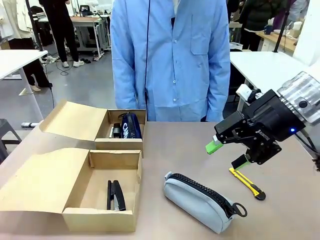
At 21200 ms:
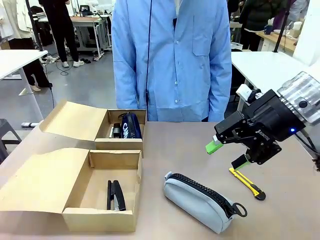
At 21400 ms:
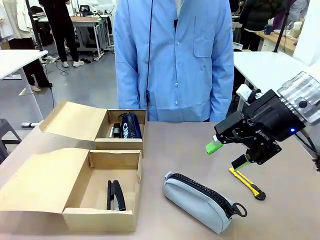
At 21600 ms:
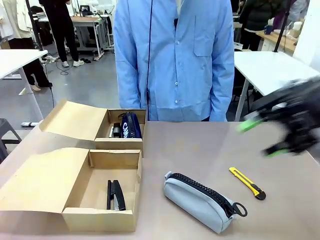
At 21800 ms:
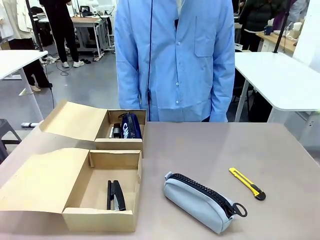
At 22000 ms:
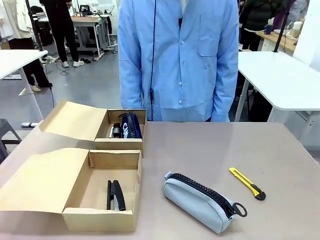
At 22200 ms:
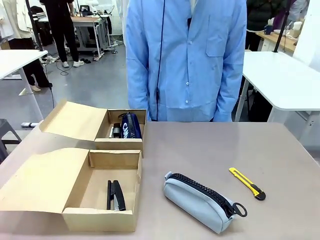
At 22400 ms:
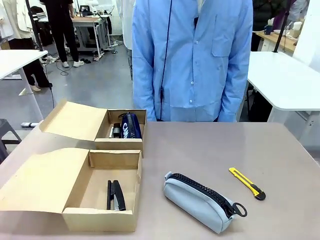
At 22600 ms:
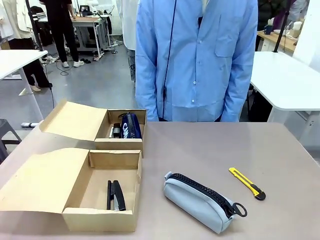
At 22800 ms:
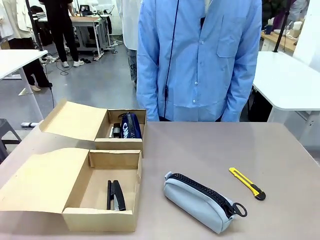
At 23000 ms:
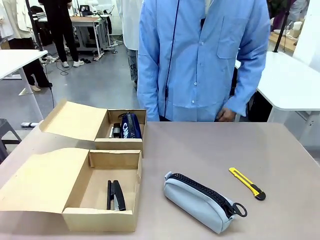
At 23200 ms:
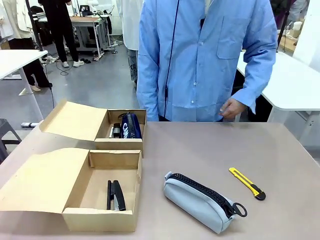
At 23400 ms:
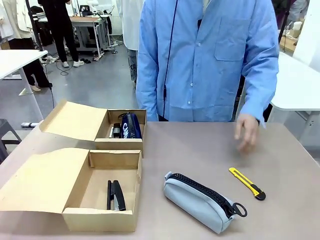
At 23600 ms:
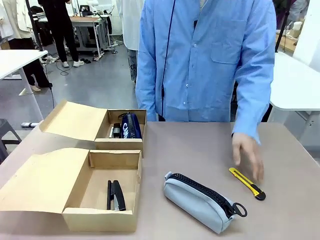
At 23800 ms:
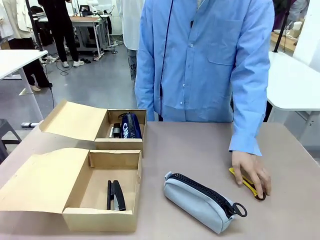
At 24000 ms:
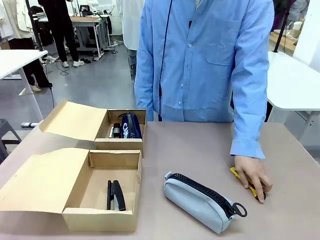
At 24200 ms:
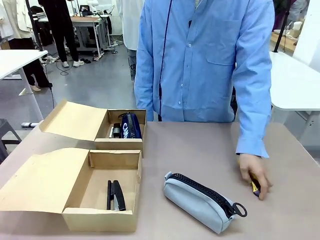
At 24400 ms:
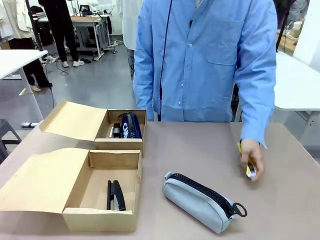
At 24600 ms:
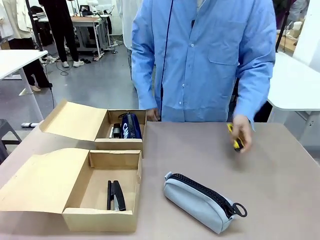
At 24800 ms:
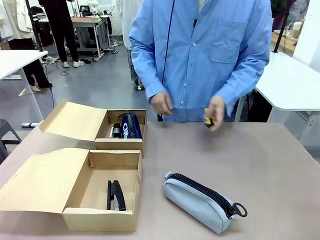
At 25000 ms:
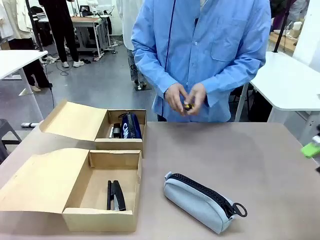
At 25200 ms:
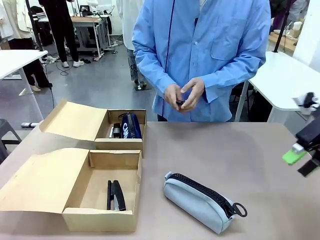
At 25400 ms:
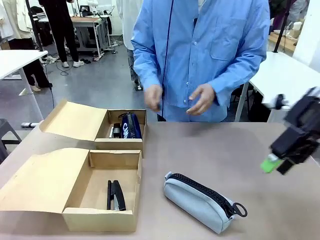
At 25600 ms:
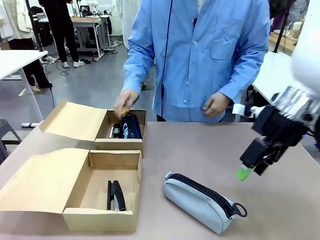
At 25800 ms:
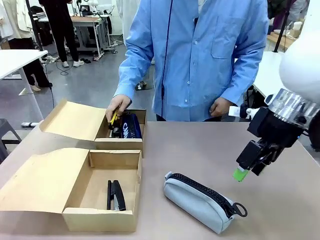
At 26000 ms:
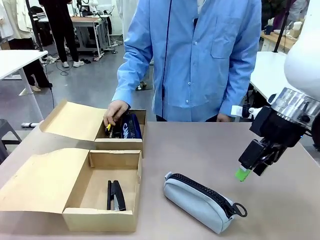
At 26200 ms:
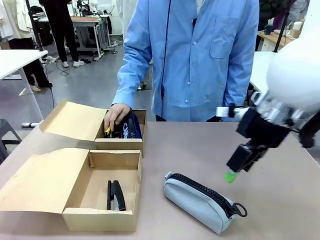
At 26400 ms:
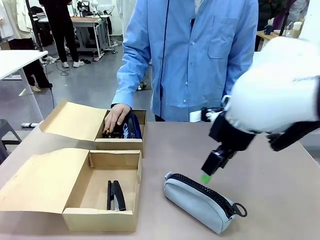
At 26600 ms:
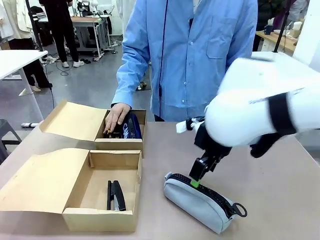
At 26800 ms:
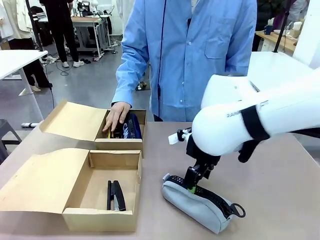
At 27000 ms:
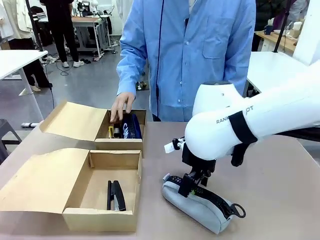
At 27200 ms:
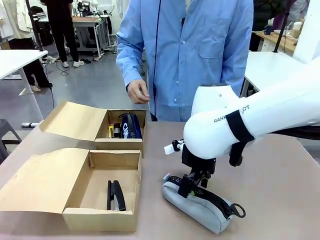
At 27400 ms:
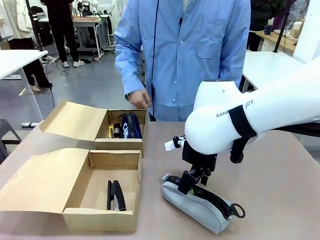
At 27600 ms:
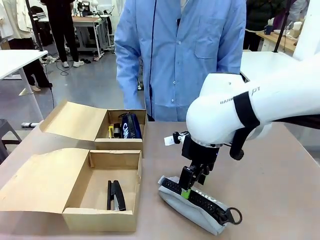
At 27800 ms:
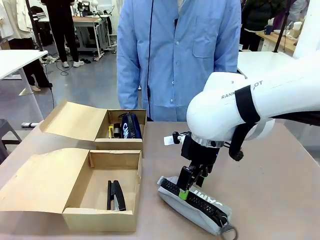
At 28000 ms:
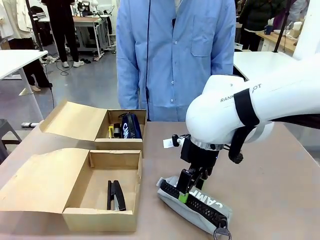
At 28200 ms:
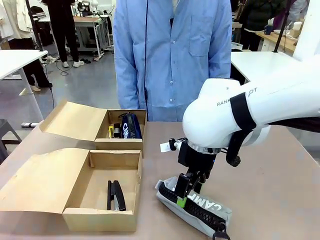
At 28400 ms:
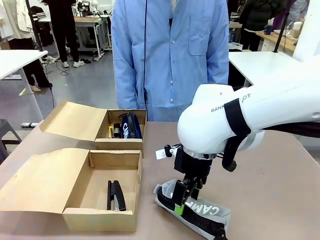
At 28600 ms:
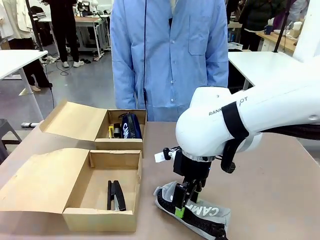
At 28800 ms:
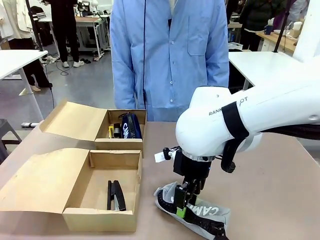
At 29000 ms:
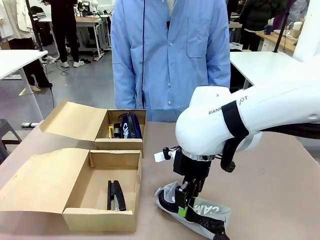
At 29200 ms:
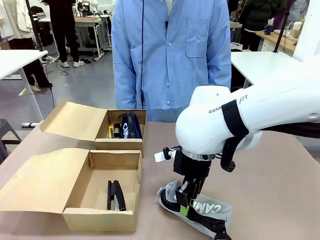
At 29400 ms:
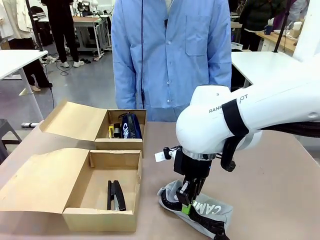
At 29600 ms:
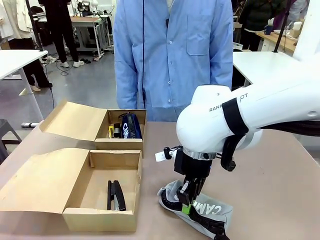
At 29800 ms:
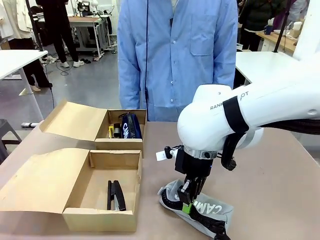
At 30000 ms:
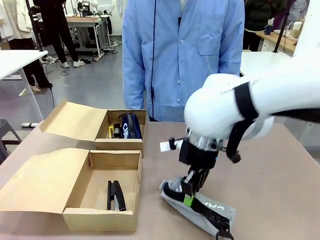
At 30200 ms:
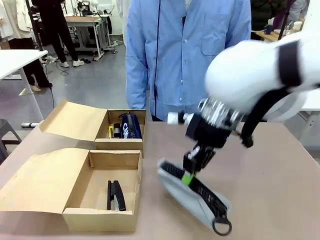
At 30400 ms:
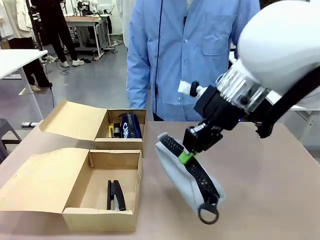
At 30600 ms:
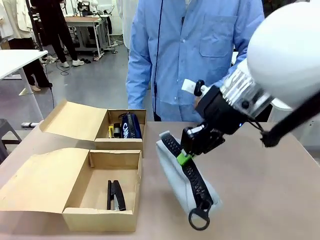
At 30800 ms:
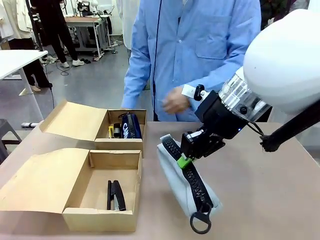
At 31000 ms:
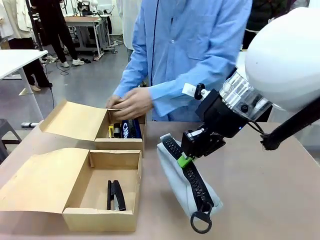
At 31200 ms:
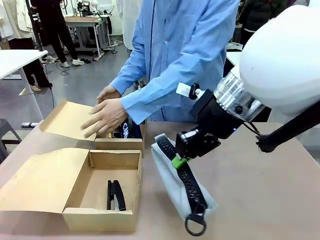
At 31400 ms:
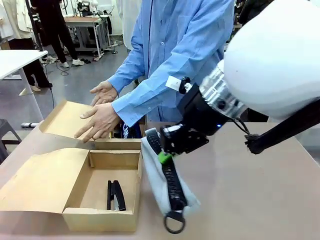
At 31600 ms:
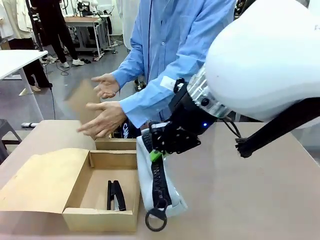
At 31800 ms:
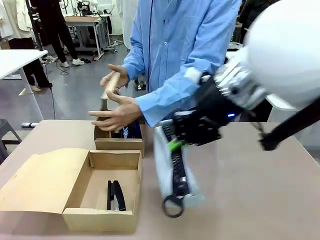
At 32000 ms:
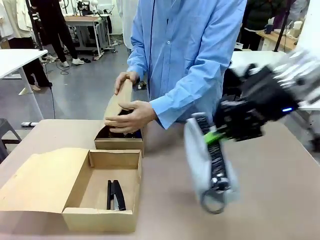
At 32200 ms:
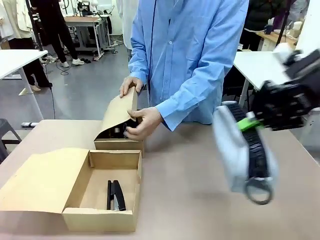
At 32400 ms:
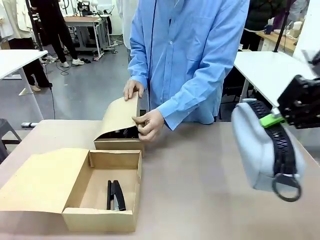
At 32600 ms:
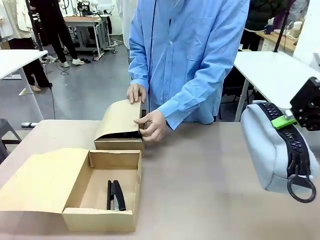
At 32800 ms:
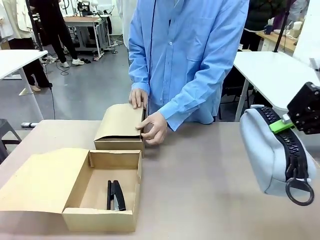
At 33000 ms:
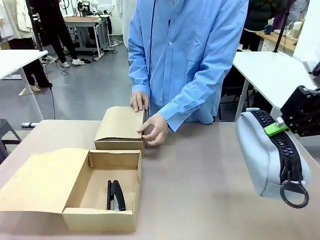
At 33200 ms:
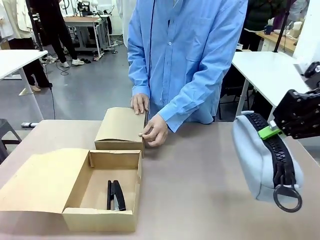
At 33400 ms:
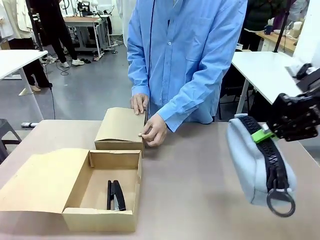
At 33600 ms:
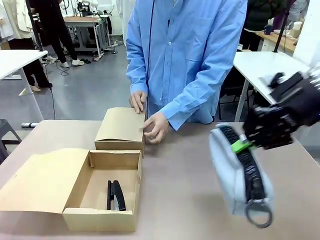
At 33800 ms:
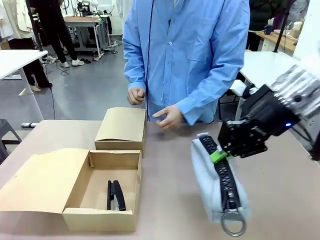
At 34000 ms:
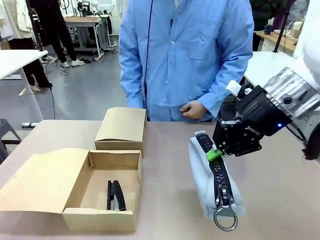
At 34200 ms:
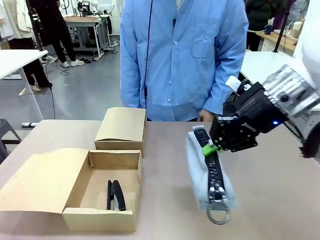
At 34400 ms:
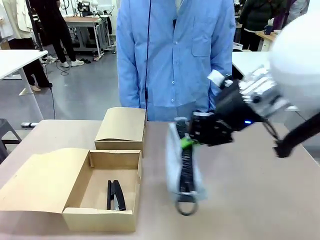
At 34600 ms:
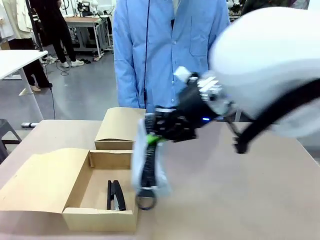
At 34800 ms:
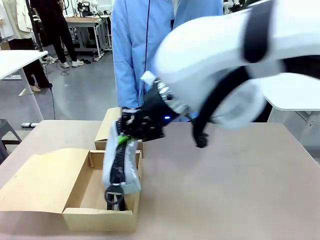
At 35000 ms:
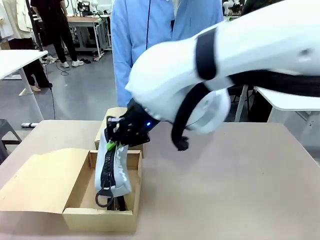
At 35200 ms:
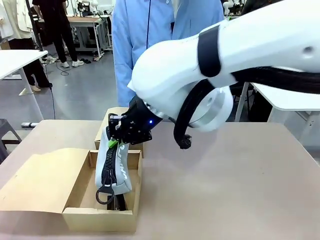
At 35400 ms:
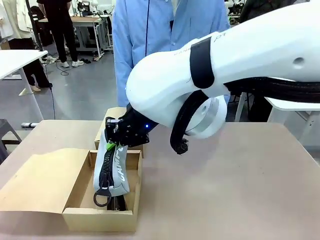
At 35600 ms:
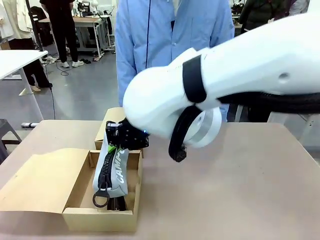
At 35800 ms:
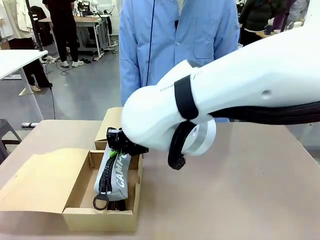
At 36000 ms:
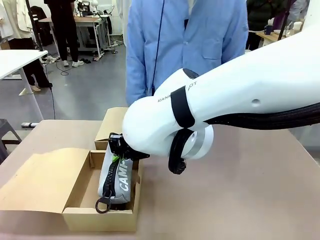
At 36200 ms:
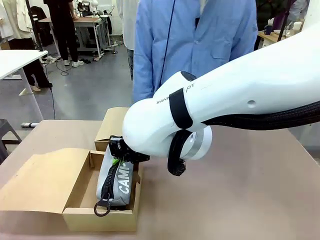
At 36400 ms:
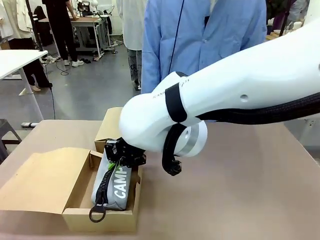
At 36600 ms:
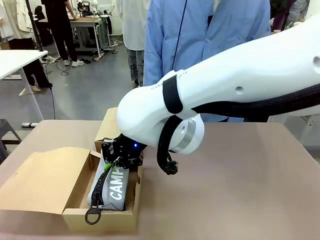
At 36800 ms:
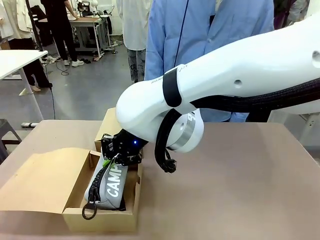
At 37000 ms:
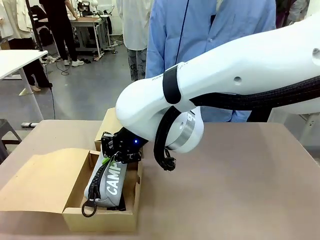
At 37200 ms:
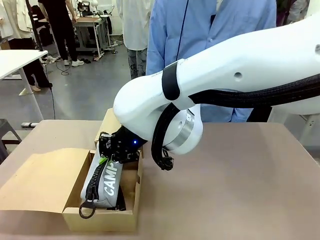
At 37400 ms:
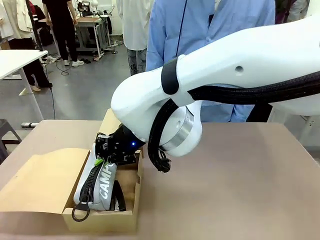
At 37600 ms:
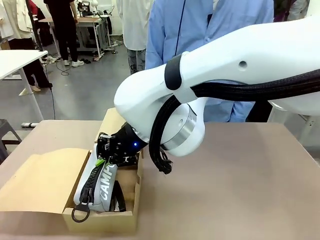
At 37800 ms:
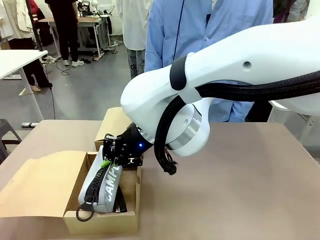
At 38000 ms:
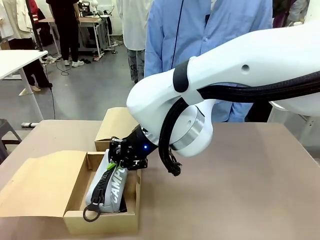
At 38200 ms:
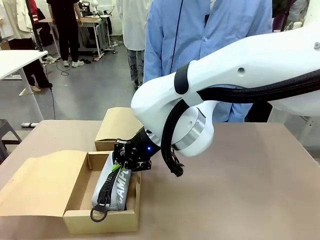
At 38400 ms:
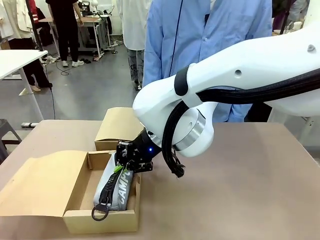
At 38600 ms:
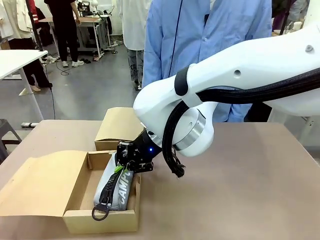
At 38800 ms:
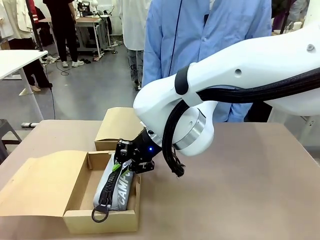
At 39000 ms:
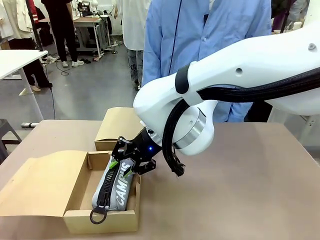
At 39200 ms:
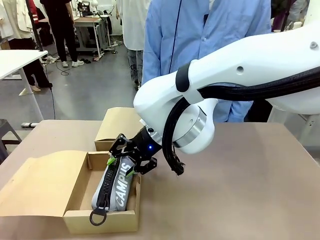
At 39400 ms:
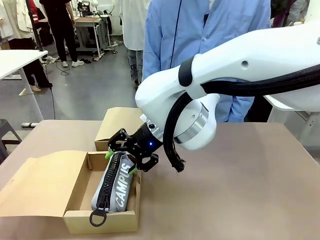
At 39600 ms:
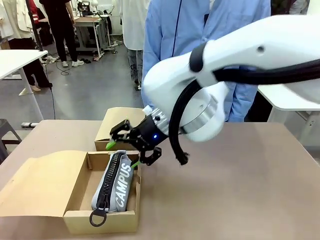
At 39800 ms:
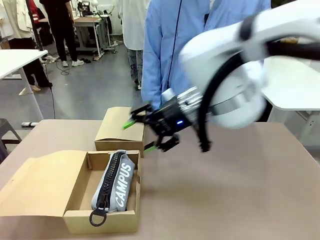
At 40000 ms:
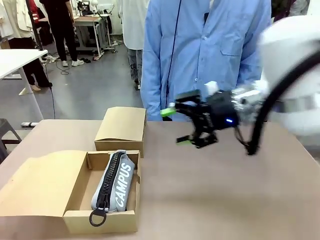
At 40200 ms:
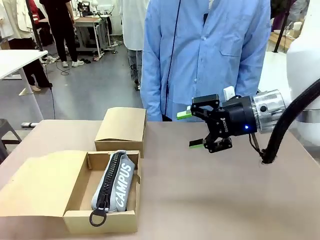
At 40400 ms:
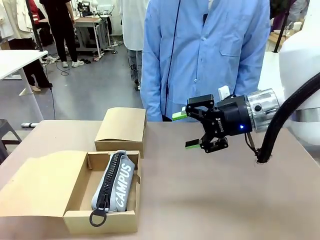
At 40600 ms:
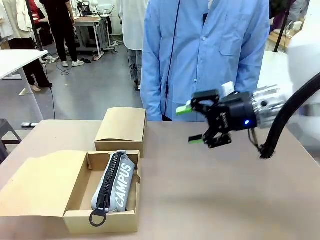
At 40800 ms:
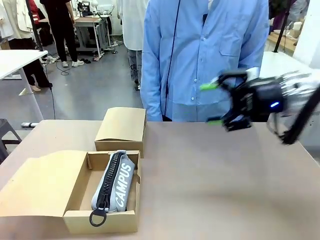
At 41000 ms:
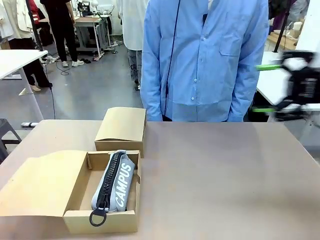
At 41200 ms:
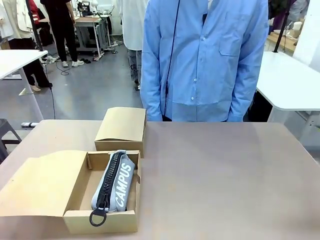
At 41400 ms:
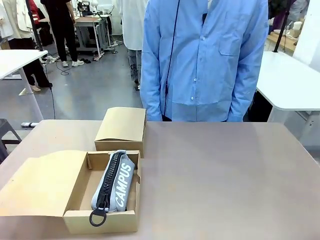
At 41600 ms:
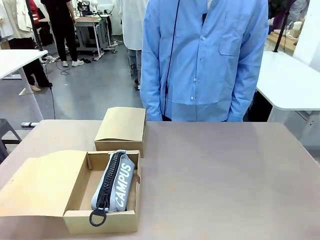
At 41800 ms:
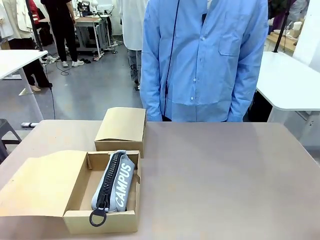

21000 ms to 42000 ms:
Task: Place items inside the box.
Robot: Pick up a Pencil pouch or Stapler and place it inside the Mailer Box closest to the robot.
Person: Close the lid of the box facing the person.
